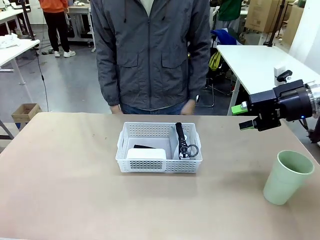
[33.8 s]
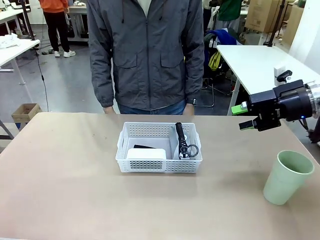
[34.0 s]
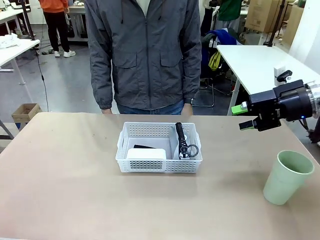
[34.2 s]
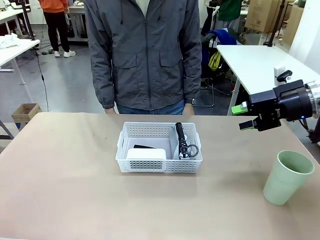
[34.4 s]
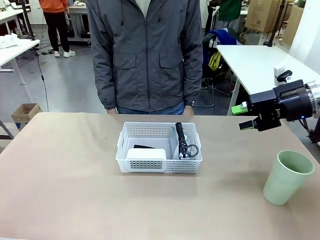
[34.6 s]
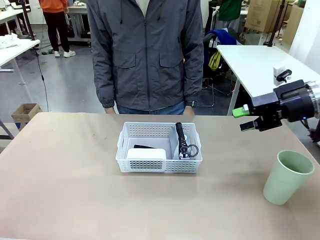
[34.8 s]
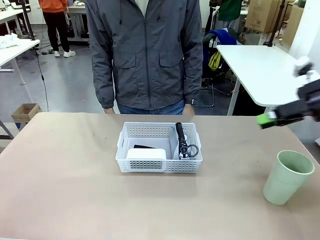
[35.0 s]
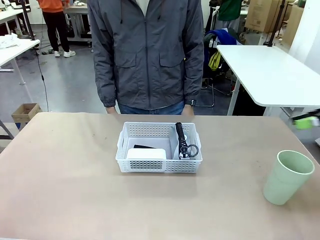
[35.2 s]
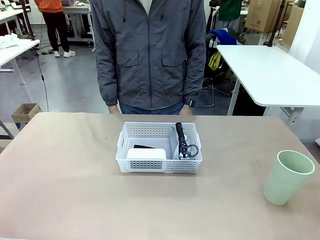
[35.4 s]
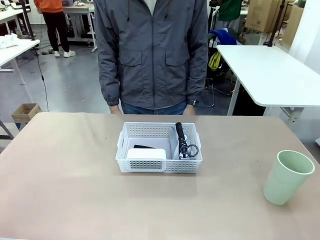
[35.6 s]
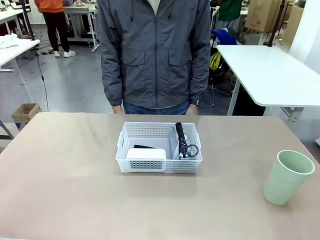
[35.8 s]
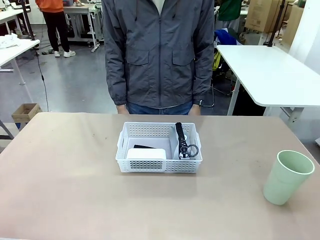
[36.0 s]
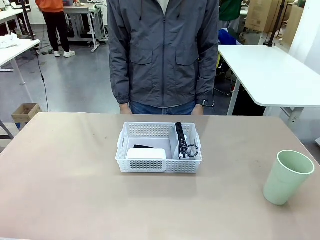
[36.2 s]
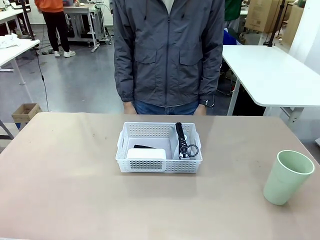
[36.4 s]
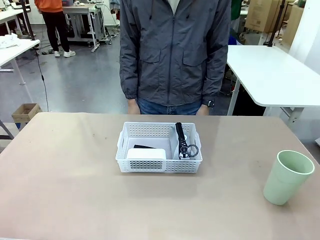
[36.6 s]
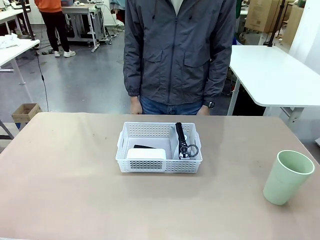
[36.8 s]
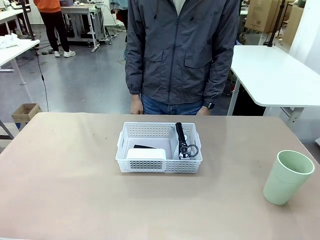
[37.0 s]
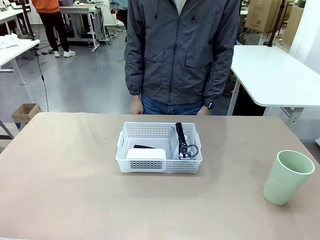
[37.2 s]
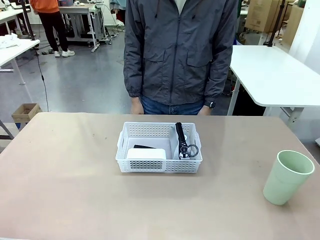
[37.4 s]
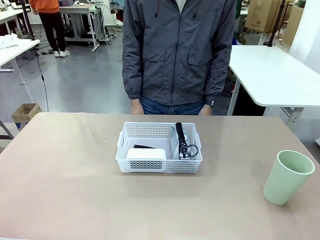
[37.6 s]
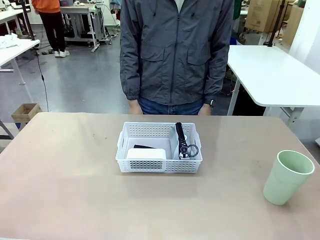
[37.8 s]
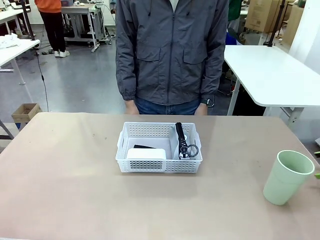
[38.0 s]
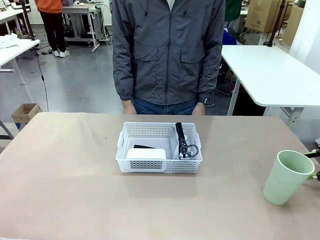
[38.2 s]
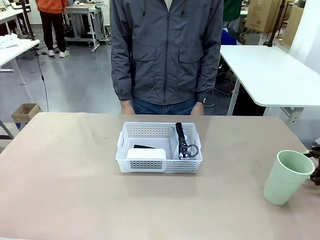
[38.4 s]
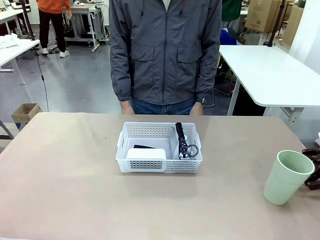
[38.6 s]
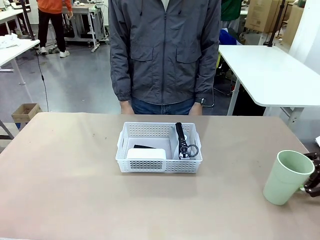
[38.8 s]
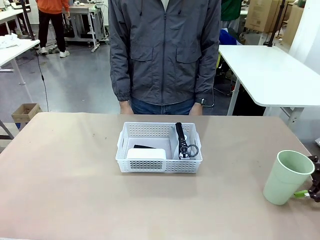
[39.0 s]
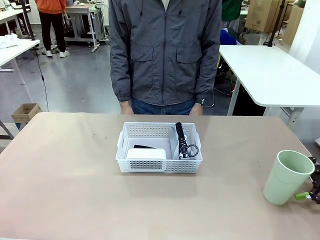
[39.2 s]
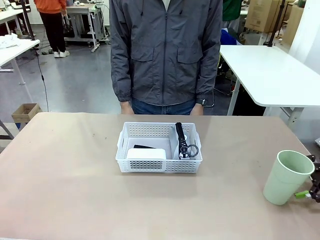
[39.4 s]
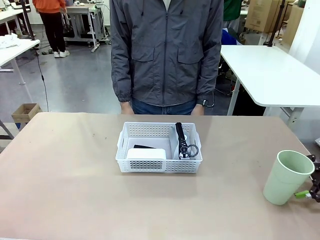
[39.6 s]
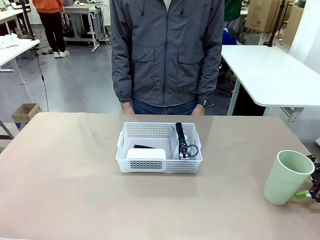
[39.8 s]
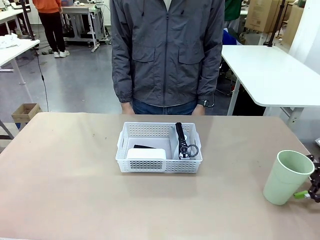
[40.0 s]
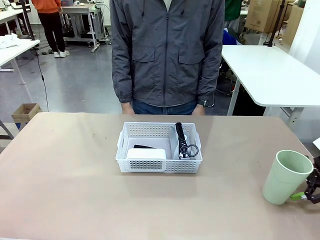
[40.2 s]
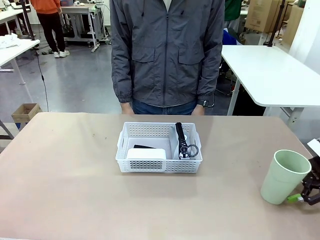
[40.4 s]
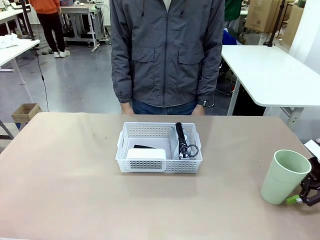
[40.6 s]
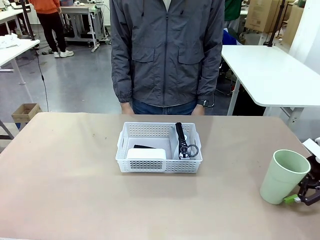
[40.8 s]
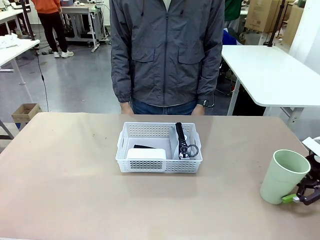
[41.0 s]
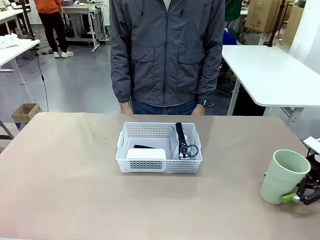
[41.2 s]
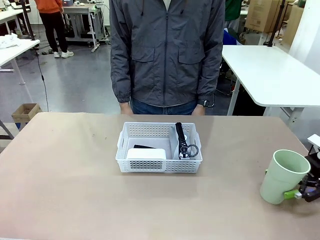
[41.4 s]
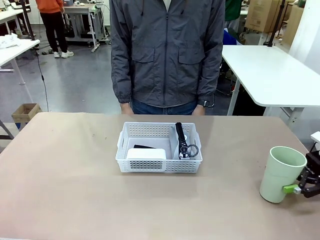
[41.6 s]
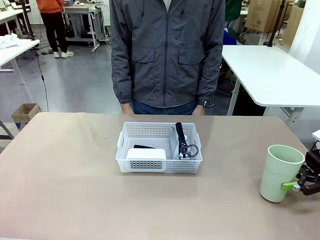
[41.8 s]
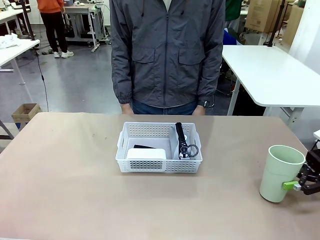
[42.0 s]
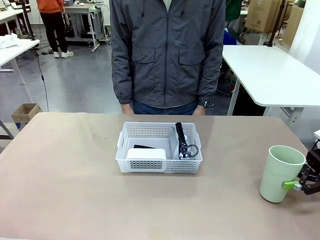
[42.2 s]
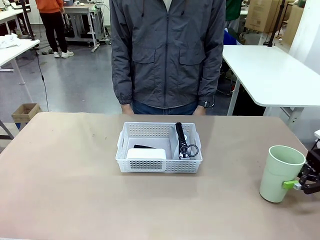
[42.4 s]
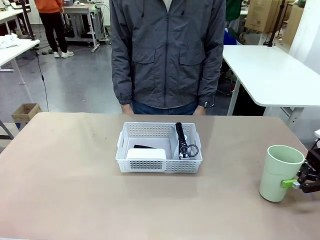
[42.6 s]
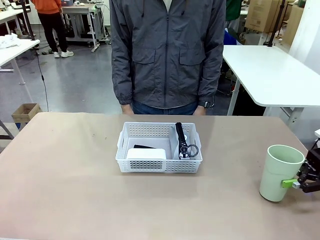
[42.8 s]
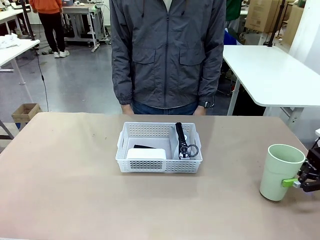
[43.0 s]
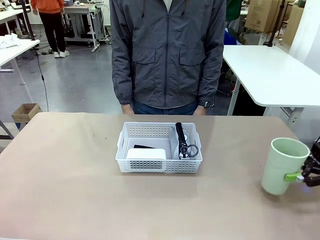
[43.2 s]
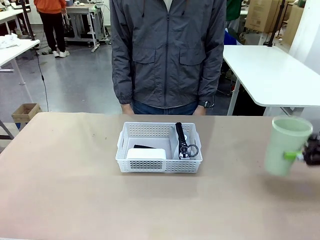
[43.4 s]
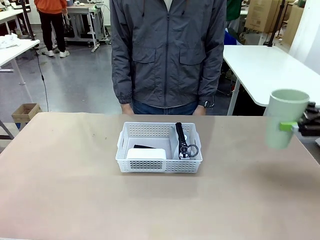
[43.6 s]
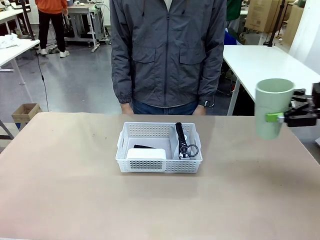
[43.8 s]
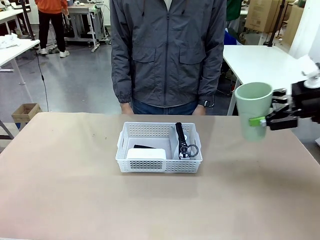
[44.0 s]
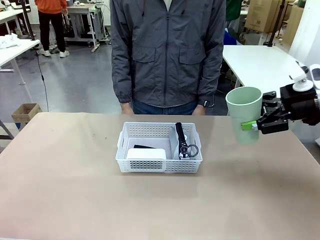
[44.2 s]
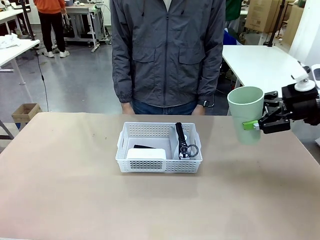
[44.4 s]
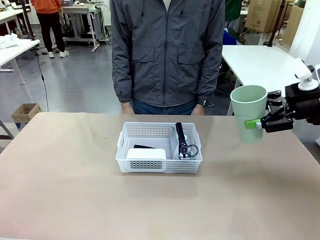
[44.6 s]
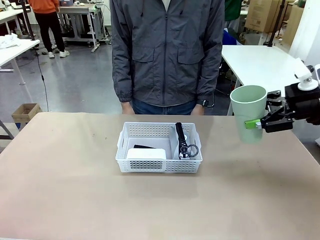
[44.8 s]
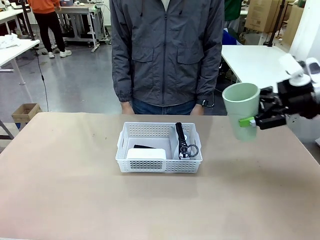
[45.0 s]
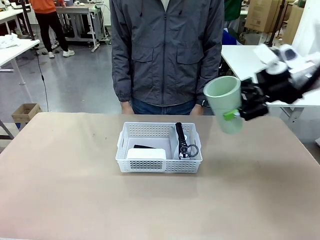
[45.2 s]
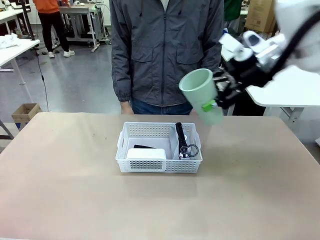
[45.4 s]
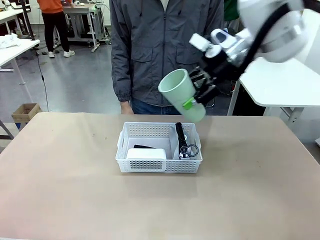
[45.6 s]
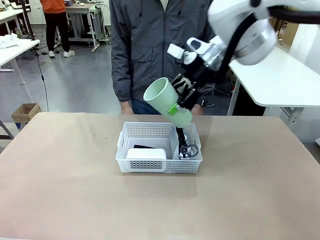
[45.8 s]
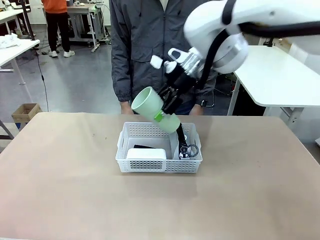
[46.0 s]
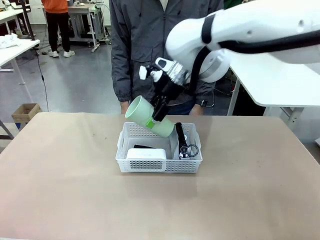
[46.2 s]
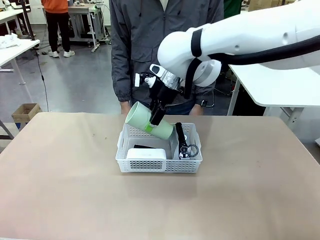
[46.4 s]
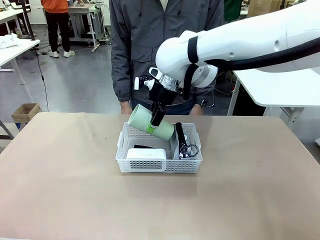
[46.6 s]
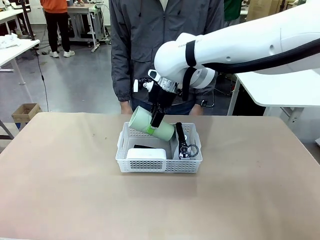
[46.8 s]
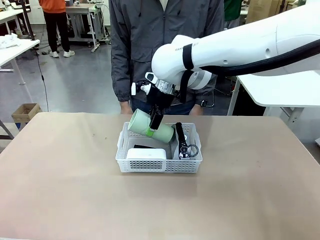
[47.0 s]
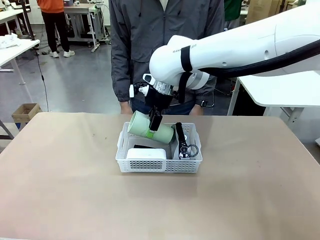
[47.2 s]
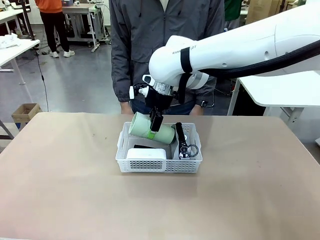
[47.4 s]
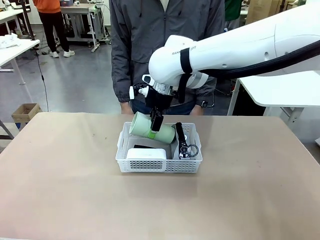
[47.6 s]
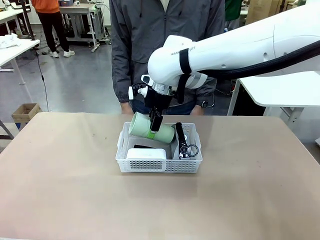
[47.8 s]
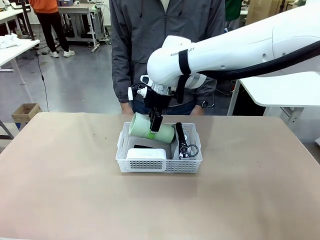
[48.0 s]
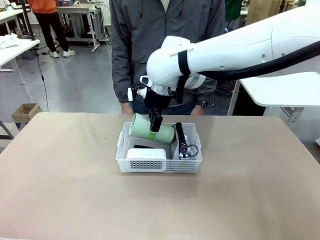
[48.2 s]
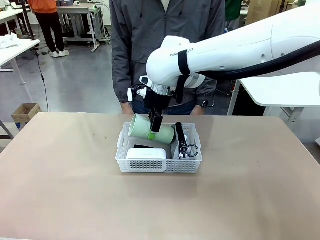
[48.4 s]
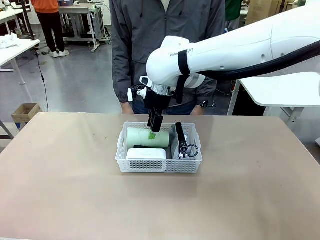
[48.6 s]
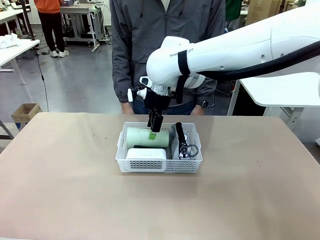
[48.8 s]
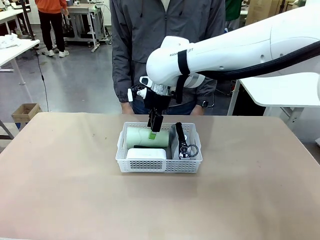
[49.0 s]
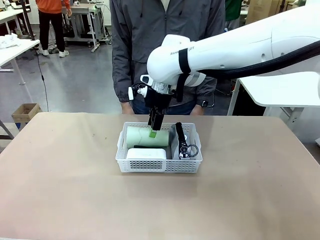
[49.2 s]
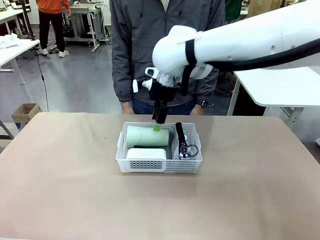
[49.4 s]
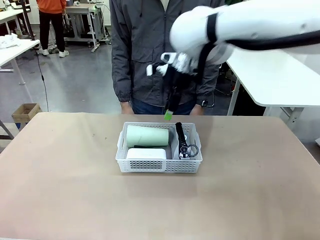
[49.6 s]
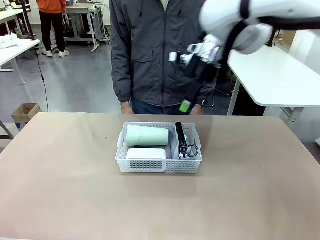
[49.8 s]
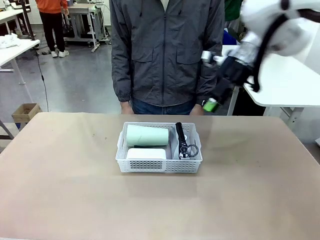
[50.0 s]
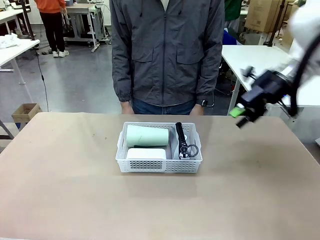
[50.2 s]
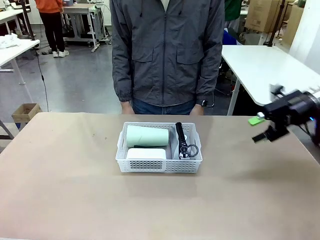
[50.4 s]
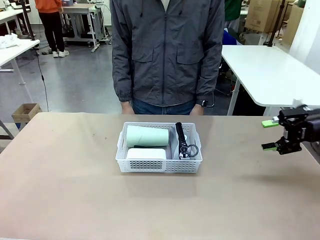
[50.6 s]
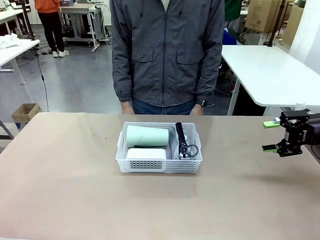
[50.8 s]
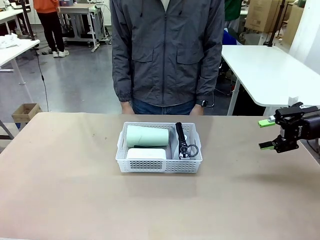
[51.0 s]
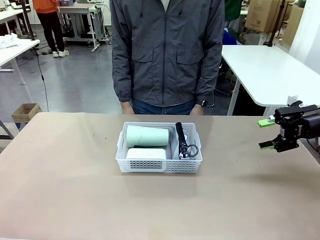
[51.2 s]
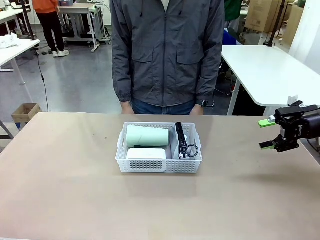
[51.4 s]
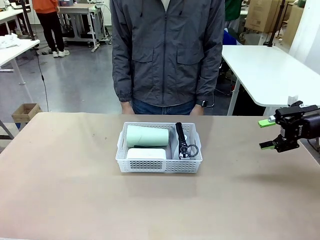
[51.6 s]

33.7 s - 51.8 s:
Task: Efficiently arrange items inside the basket to fit them all.
Robot: Pick up the Reusable plastic cup and place it inside the Organizing basket.
Person: Repositions the stapler.
